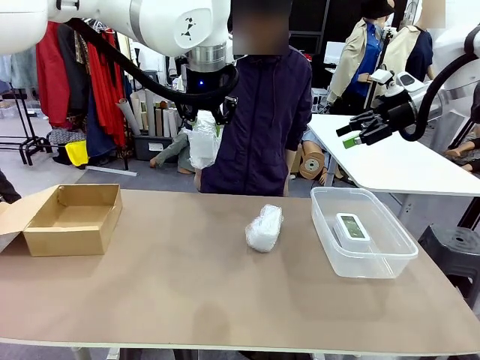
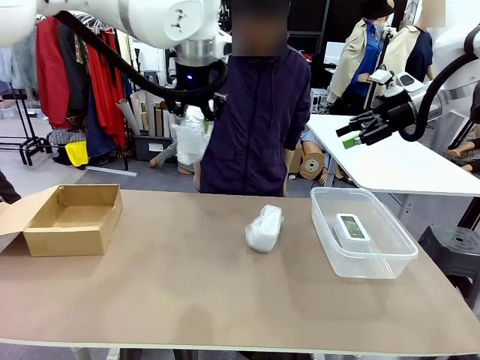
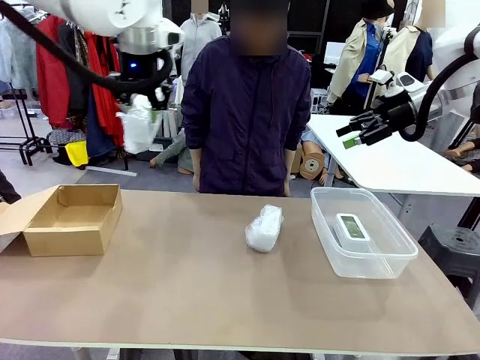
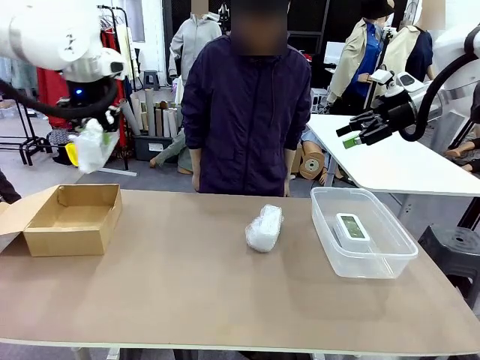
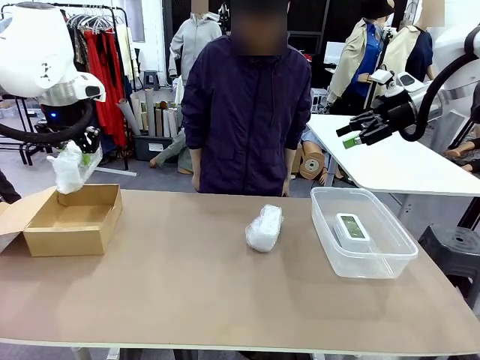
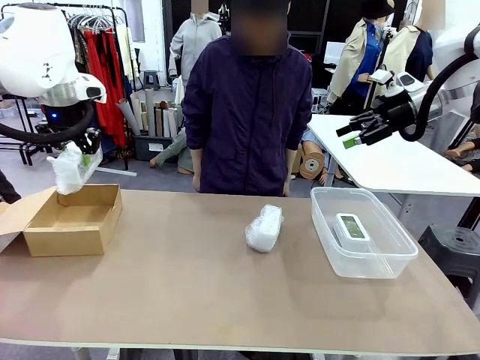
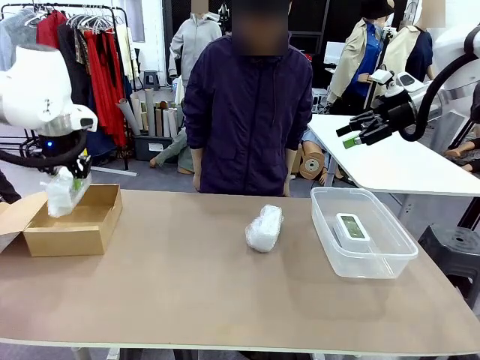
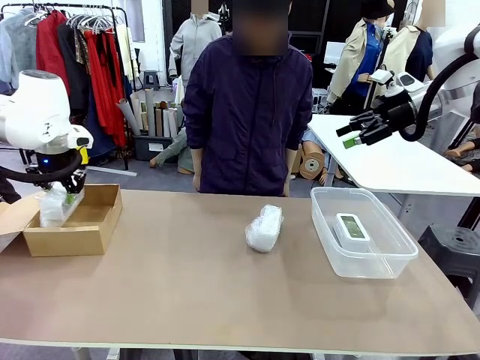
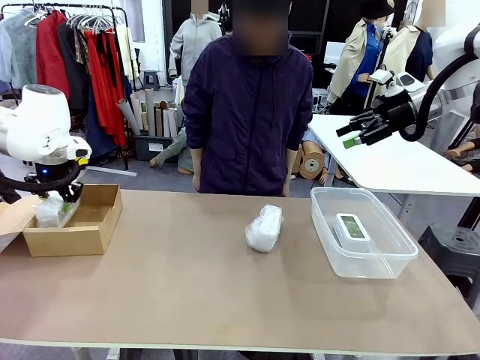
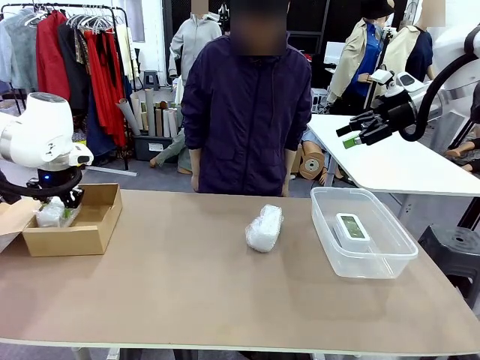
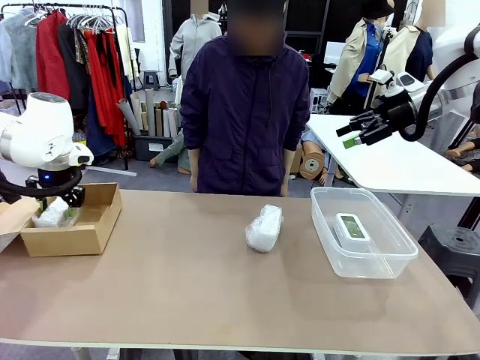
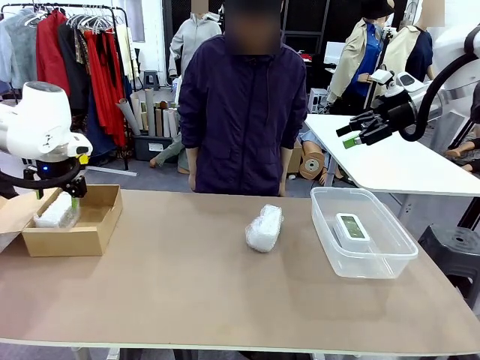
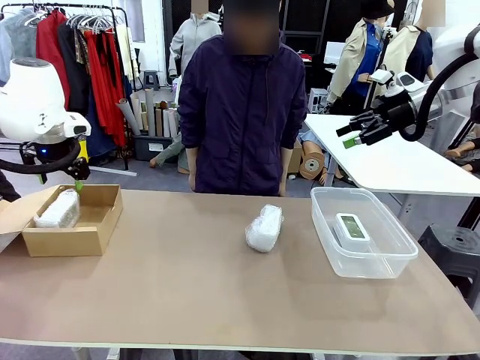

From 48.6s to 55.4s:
Task: Separate and place wrapped and unwrapped clocks.
Robot: If the picked Digital clock is wrapped, place it in the Package Box ; if not, place it in the Organizing box.

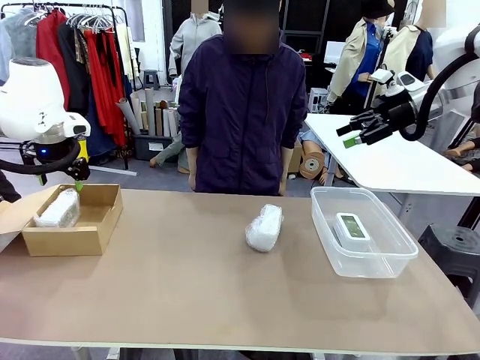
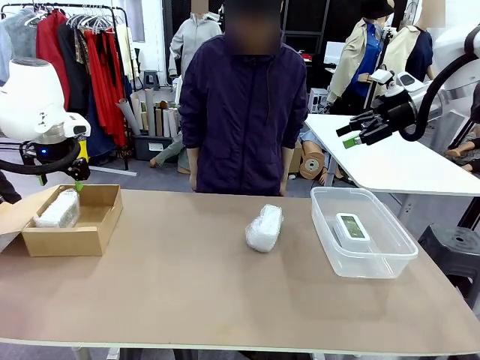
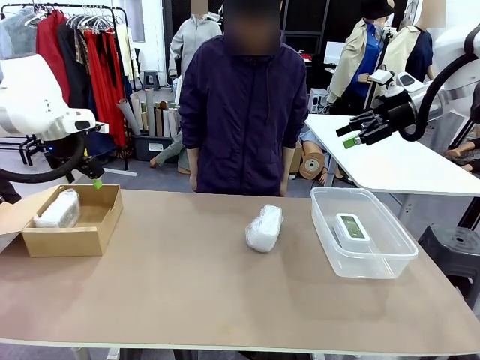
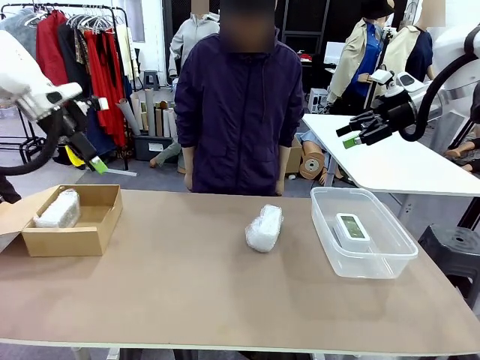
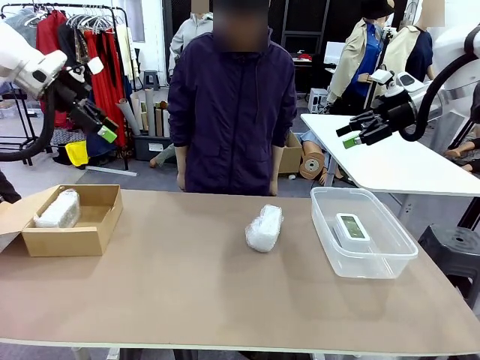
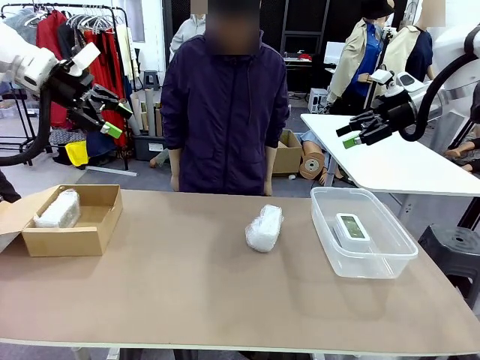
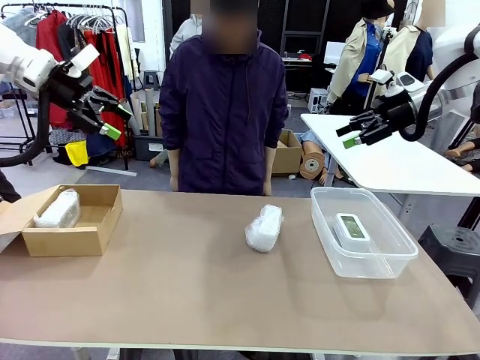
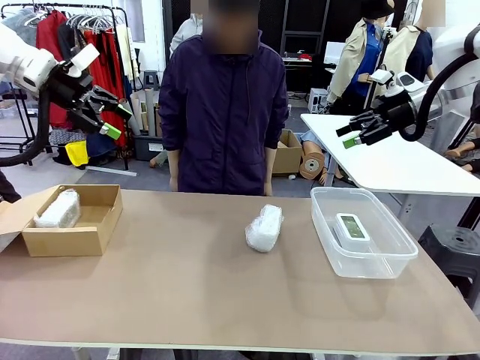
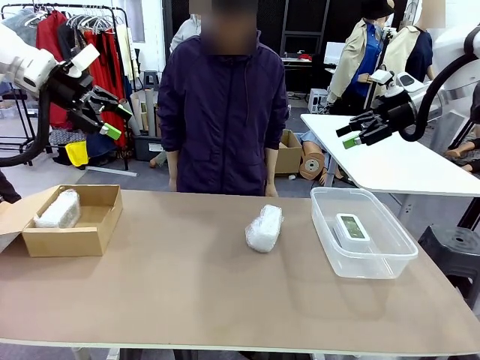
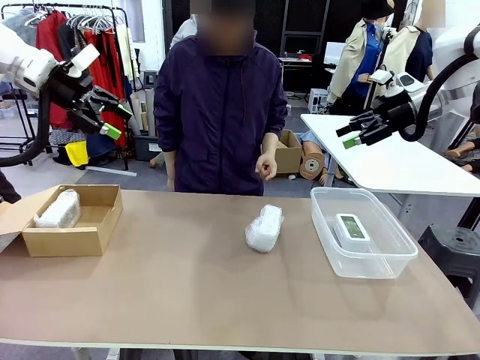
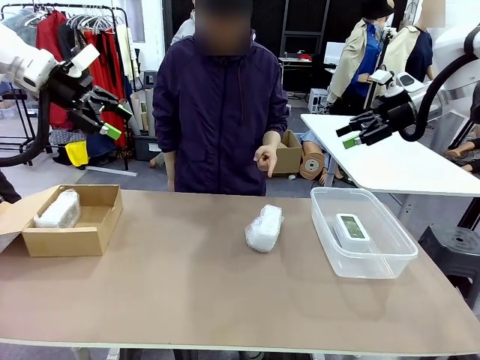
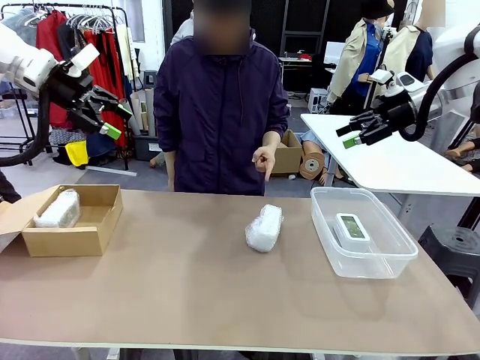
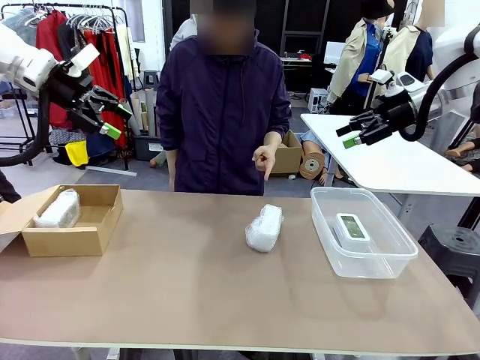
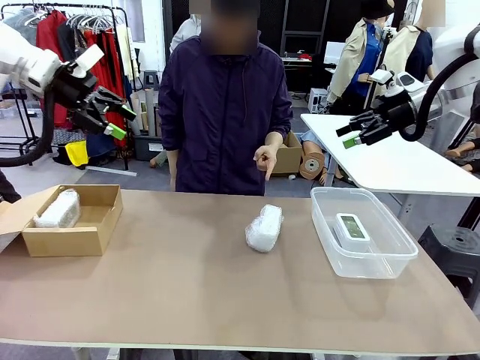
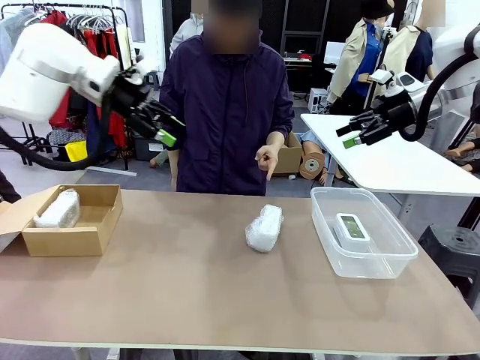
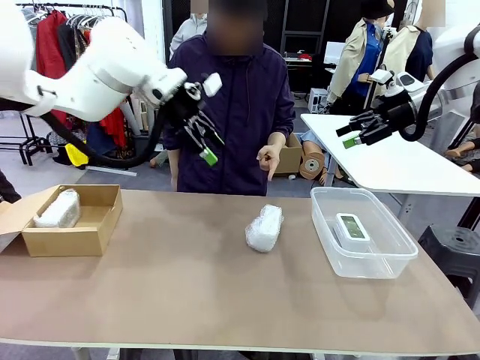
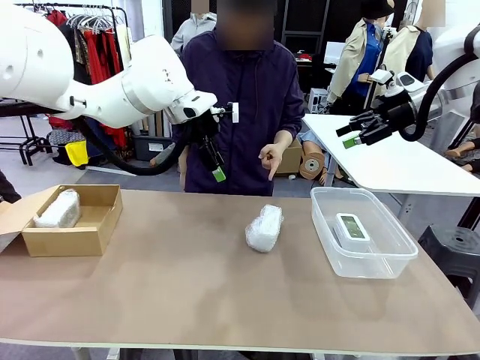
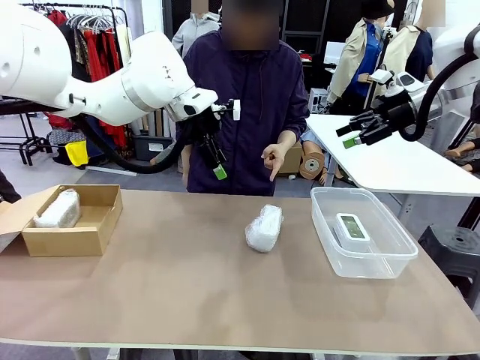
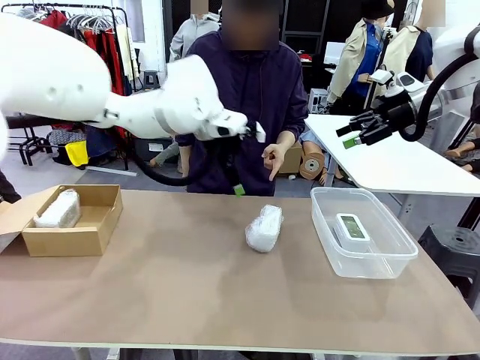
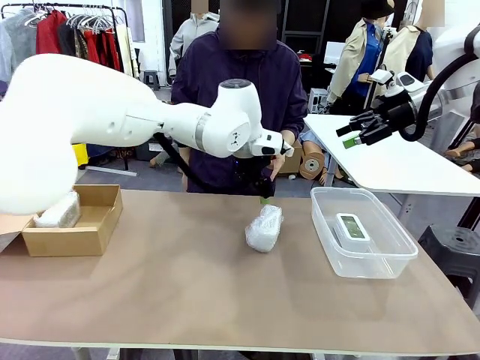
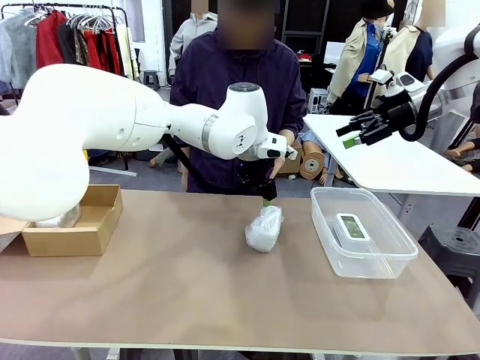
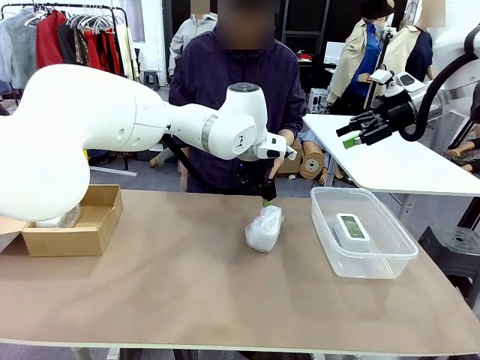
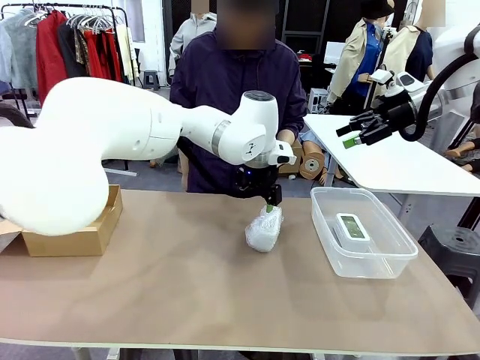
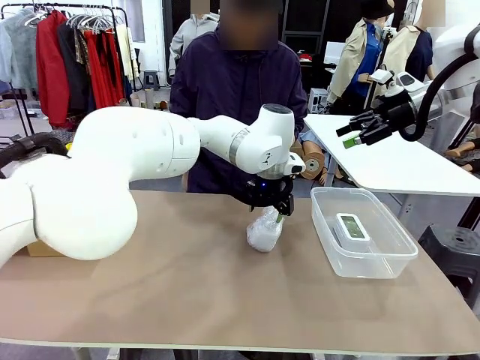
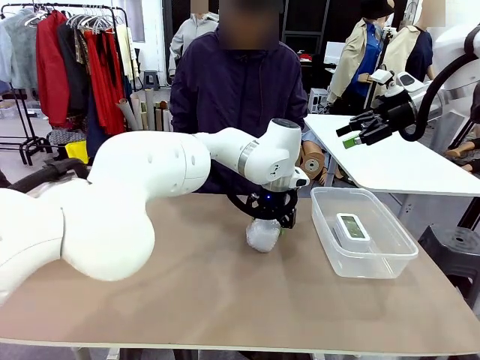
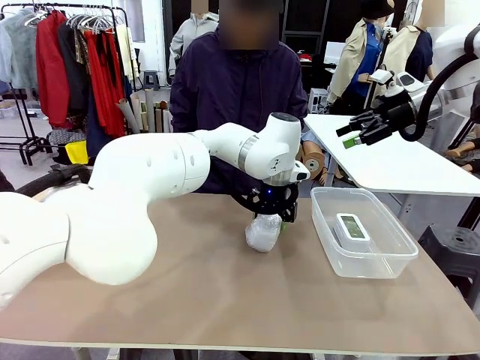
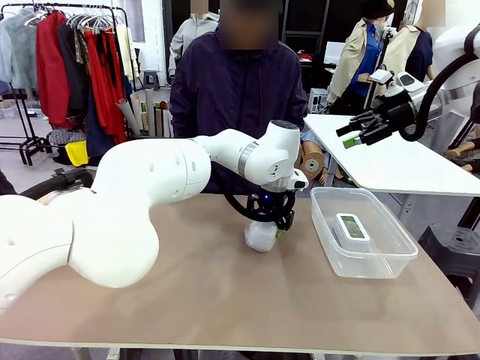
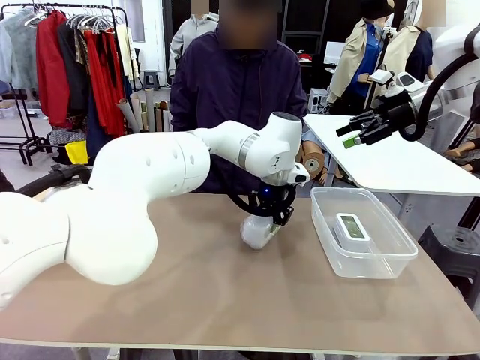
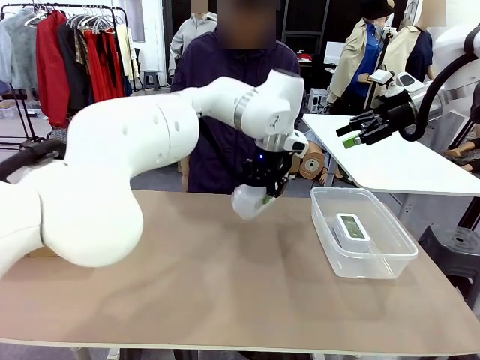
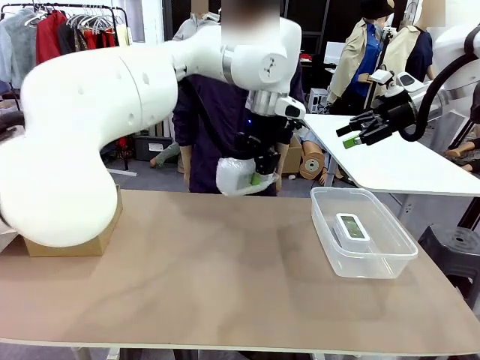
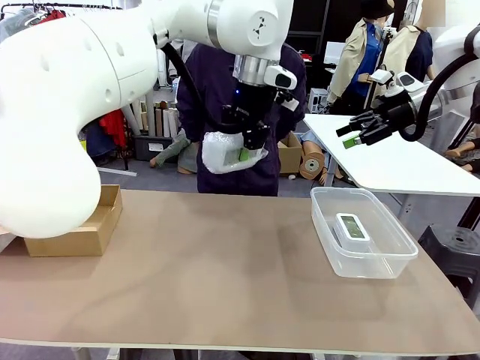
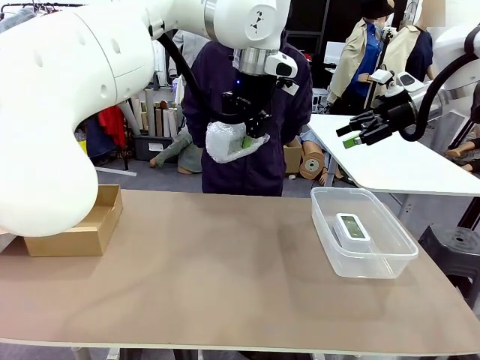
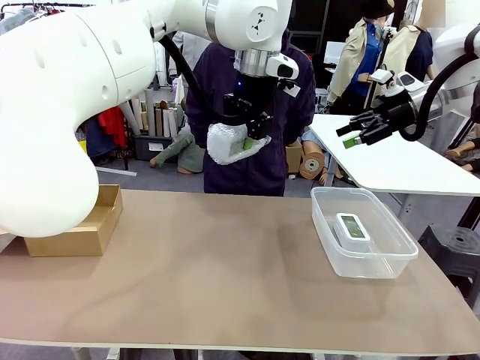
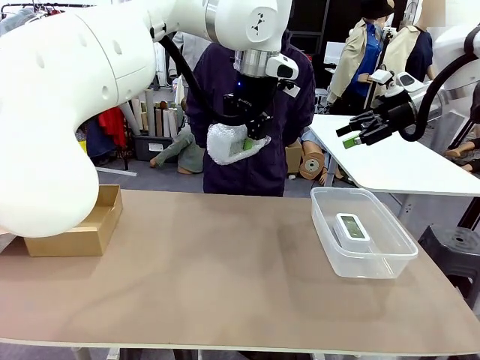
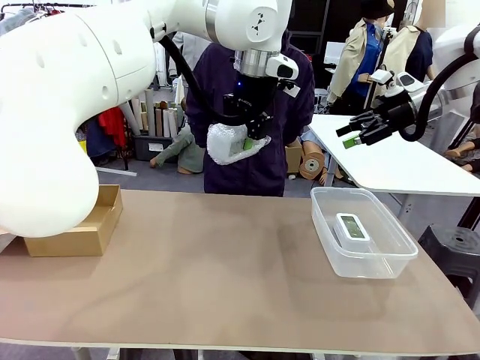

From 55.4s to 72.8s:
Robot: Pick up the Digital clock indicated by the person.
